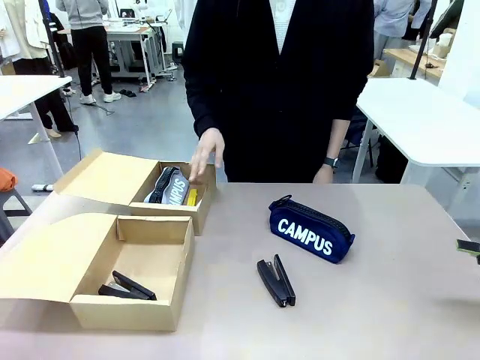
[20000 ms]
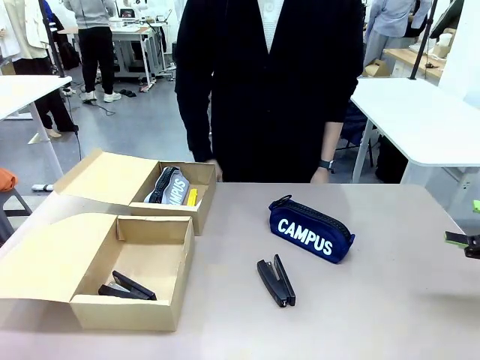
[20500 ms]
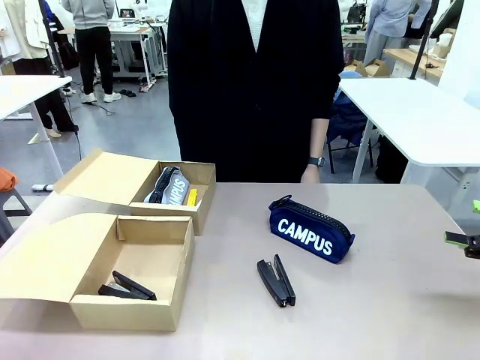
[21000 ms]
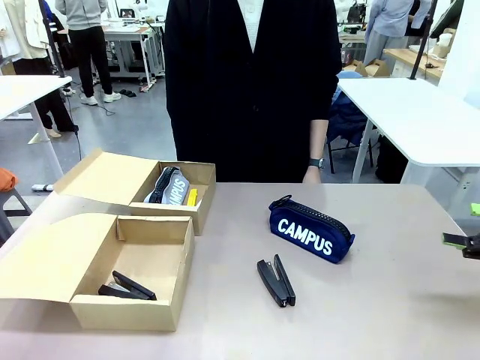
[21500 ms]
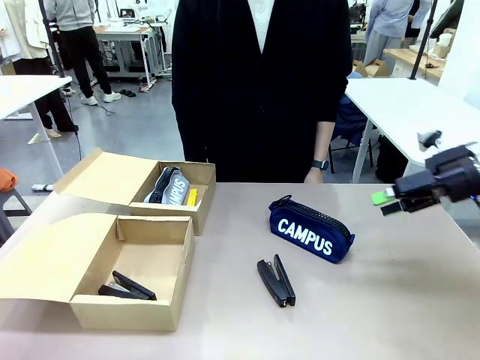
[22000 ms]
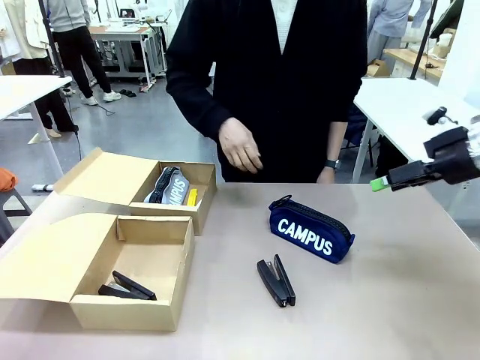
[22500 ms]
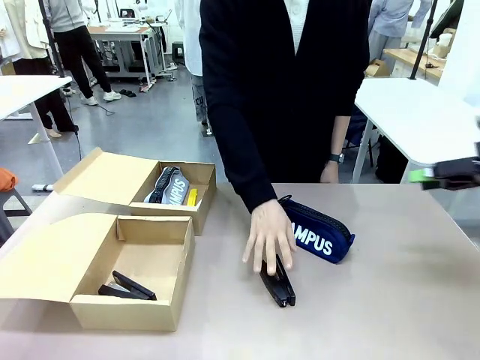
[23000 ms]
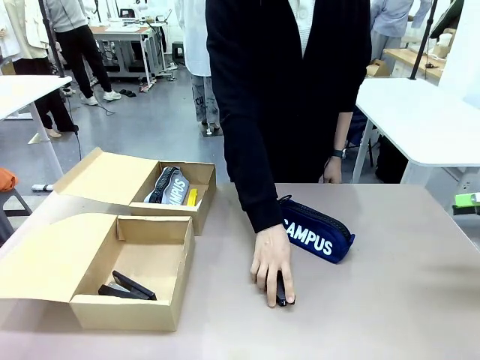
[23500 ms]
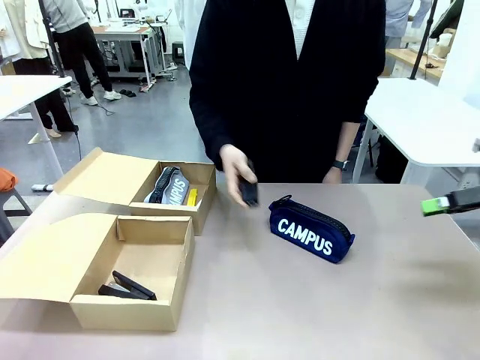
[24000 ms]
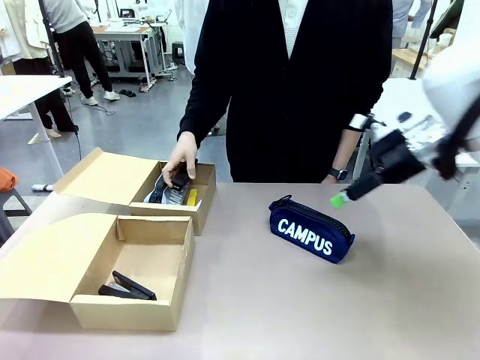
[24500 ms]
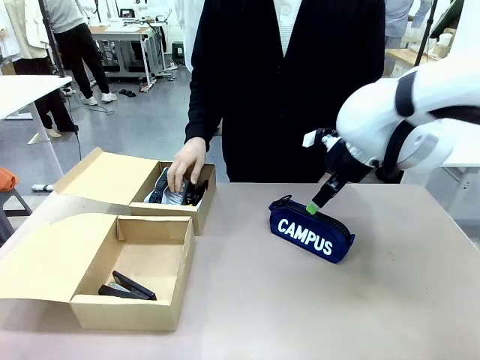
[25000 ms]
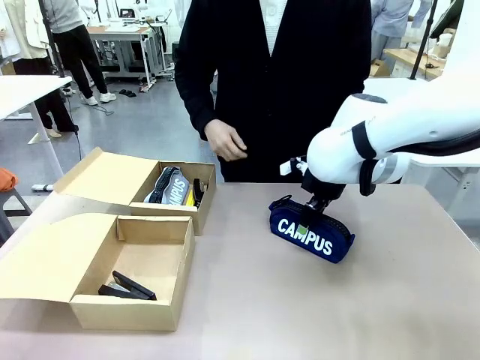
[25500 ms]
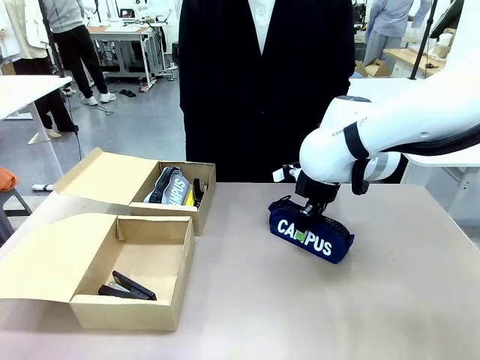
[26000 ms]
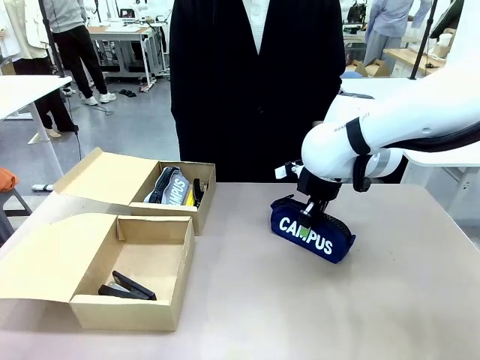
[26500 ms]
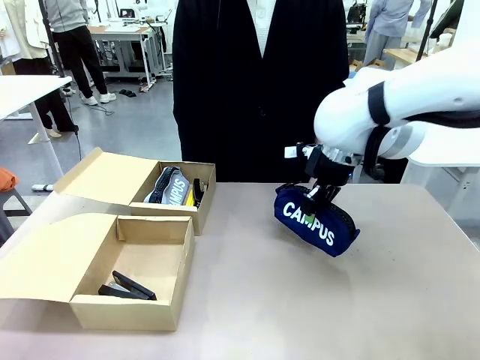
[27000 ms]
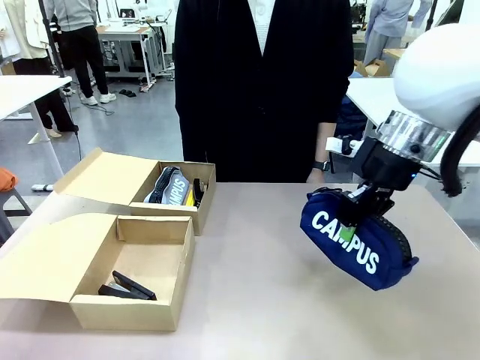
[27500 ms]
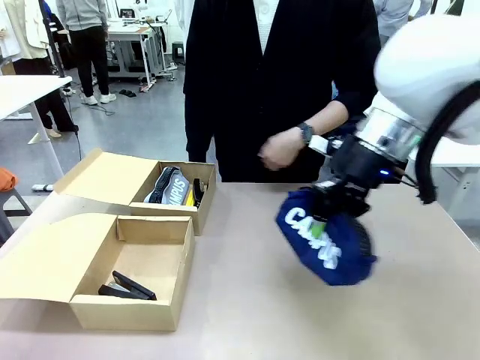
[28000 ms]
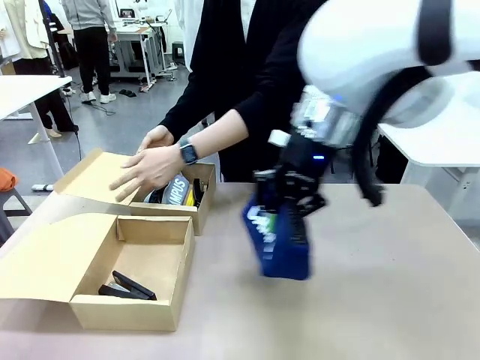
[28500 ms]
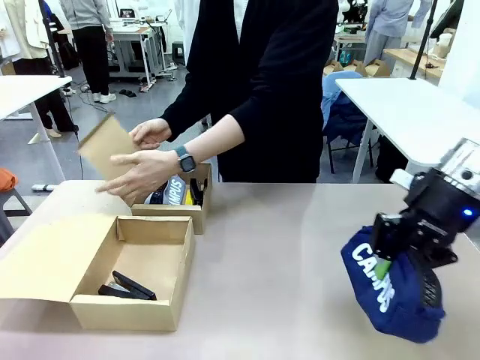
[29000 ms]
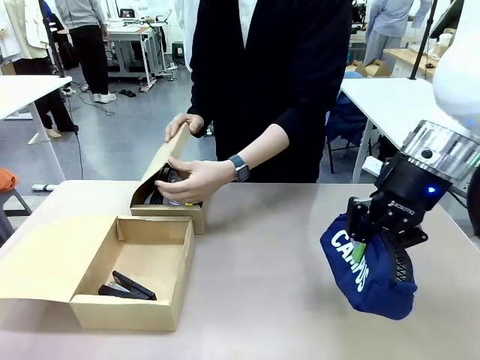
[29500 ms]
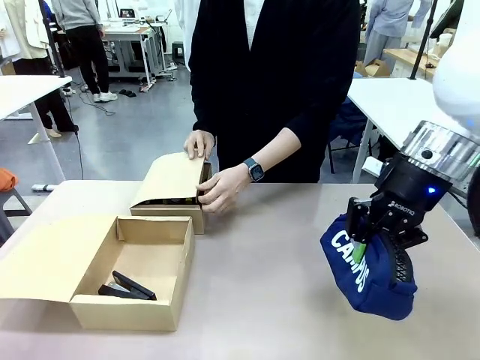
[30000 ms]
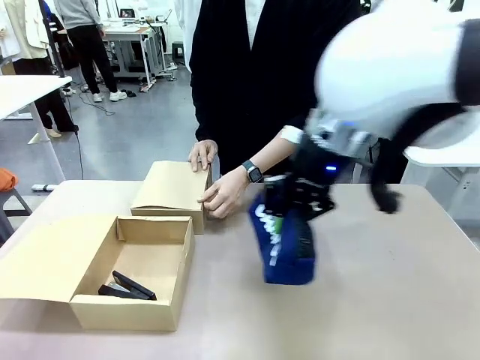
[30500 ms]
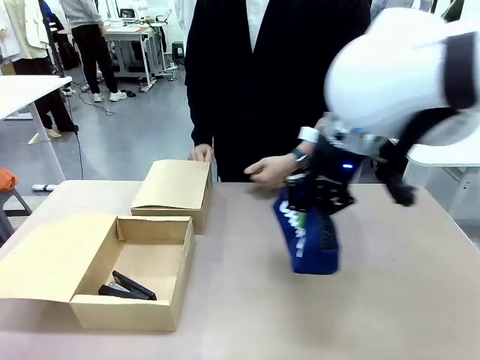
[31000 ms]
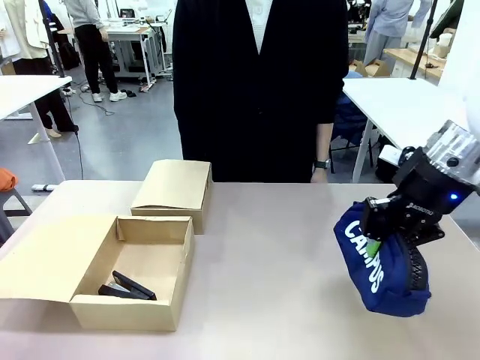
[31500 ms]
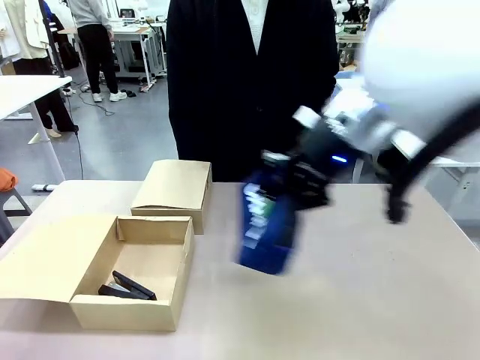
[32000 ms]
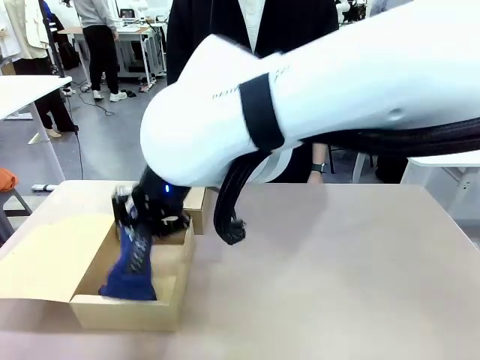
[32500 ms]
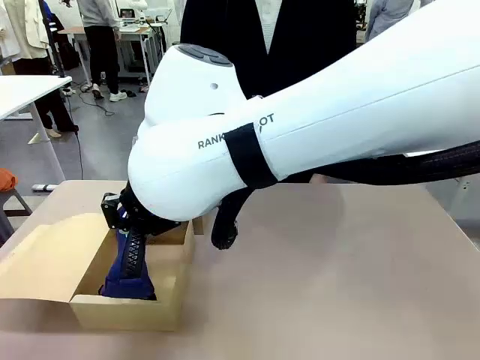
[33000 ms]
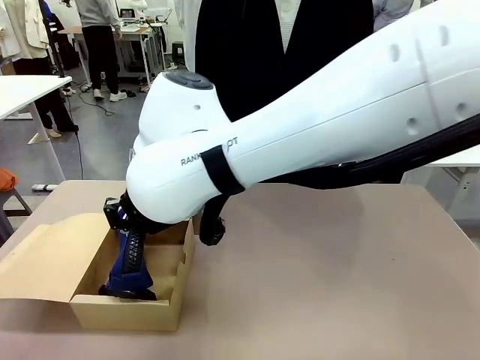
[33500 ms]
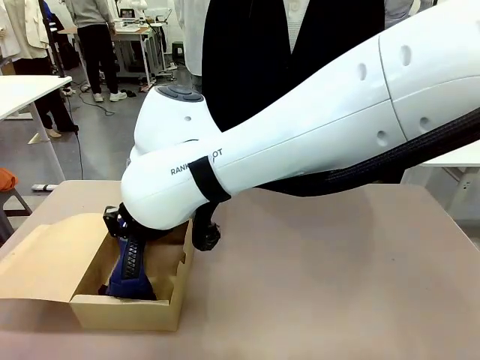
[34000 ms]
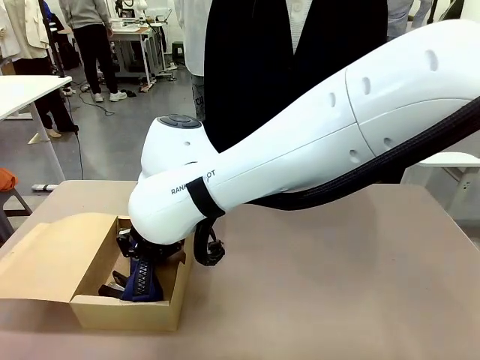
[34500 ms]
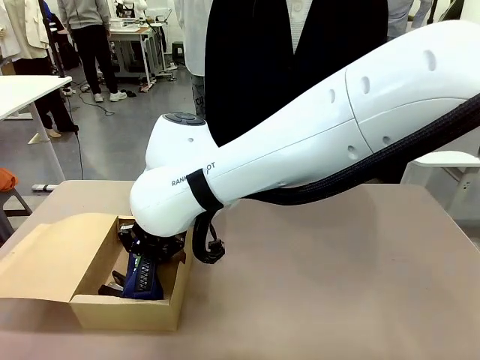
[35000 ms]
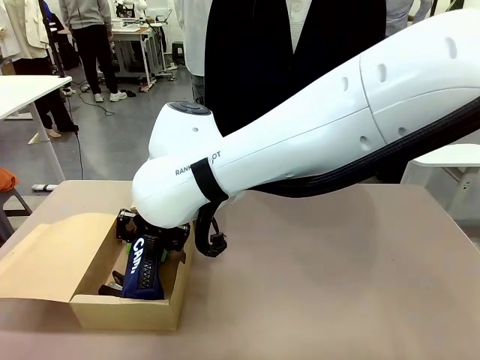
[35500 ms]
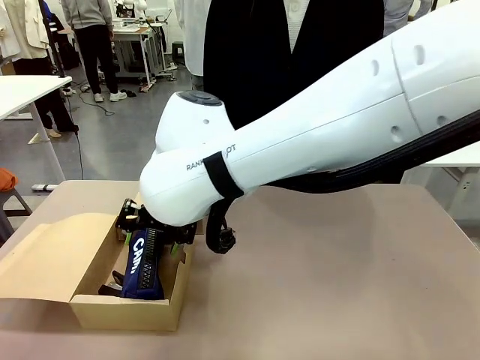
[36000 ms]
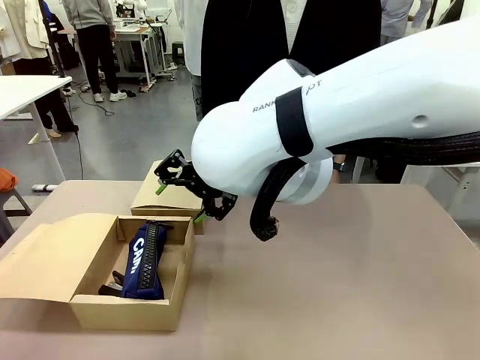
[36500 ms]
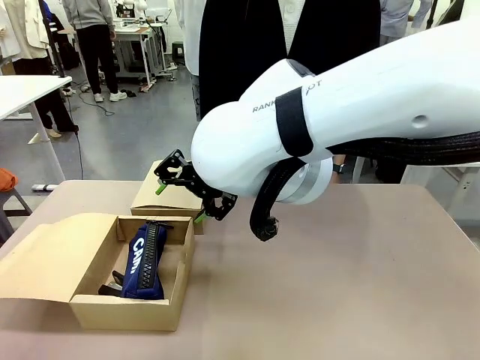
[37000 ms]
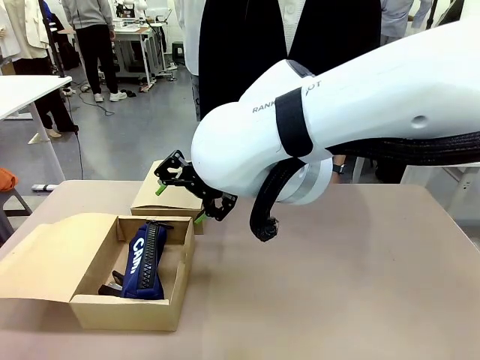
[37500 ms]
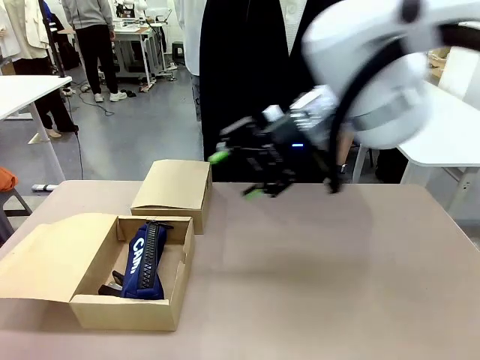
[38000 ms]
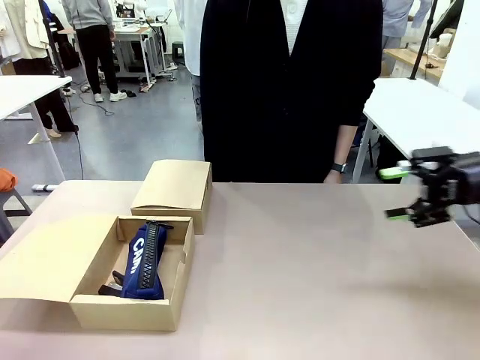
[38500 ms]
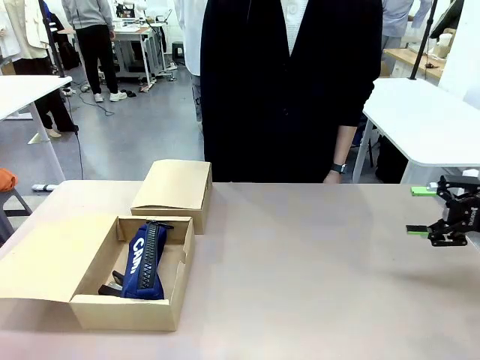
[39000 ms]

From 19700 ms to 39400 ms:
Task: Place items inside the box.
Robot: Pick up a Pencil pouch or Stapler and place it inside the Mailer Box closest to the robot.
Person: Close the lid of the box facing the person.

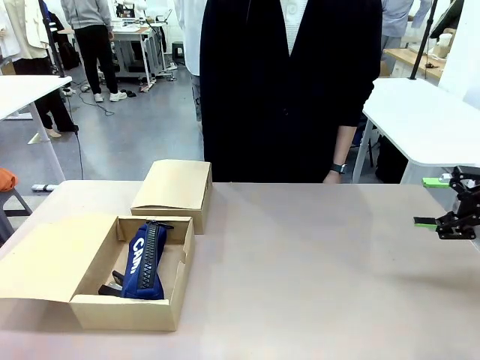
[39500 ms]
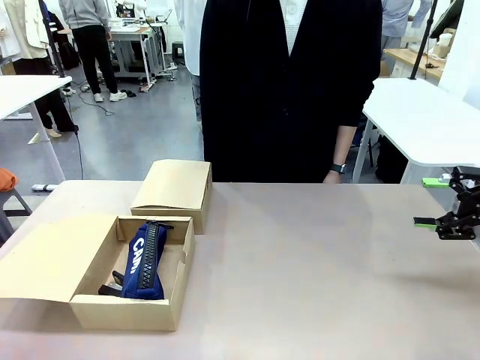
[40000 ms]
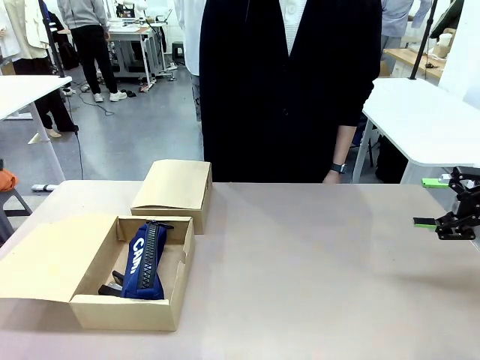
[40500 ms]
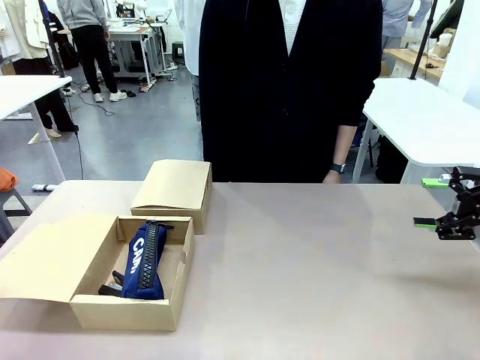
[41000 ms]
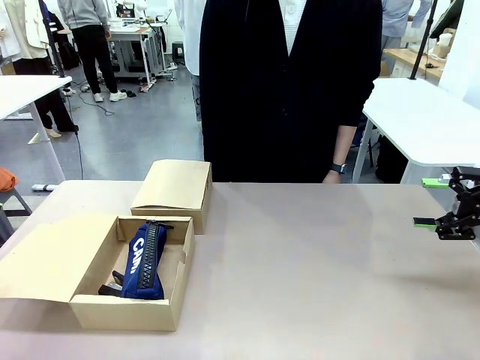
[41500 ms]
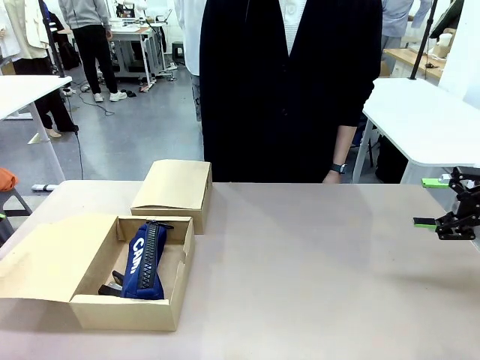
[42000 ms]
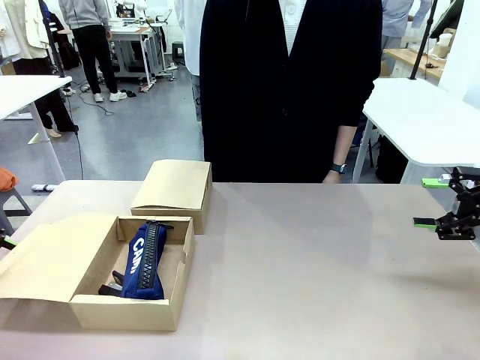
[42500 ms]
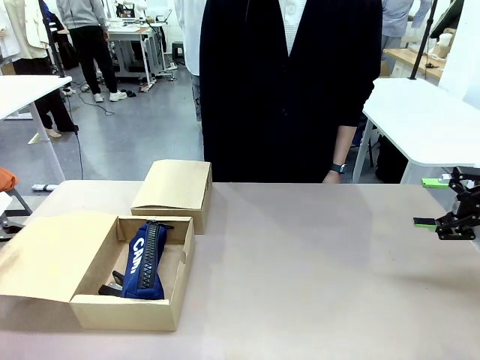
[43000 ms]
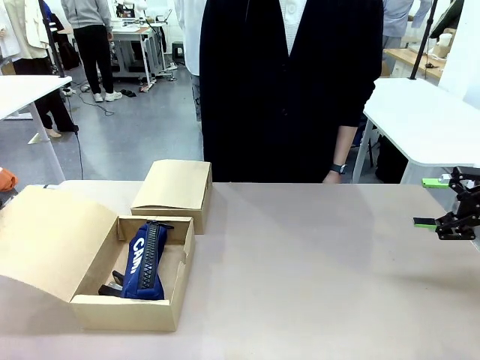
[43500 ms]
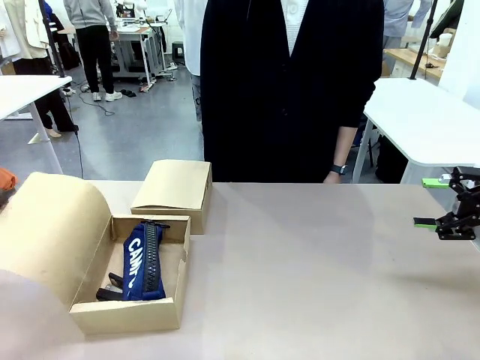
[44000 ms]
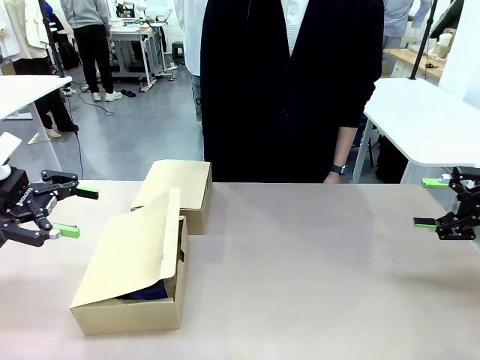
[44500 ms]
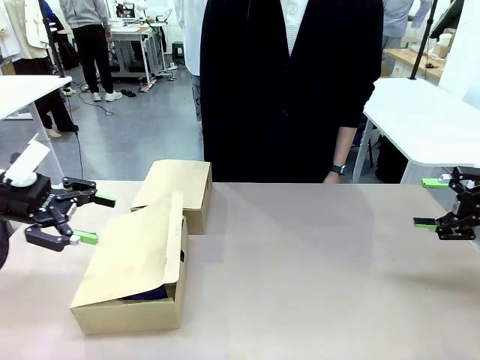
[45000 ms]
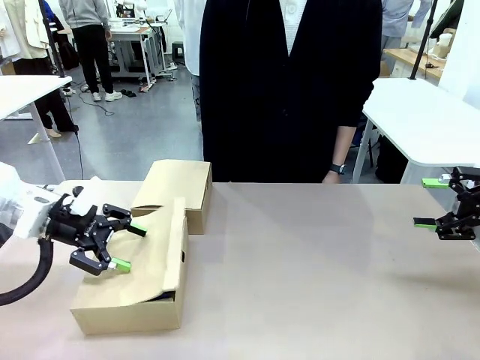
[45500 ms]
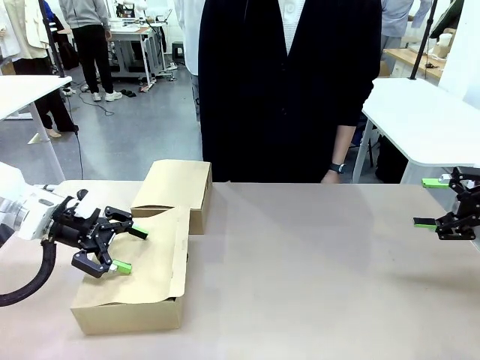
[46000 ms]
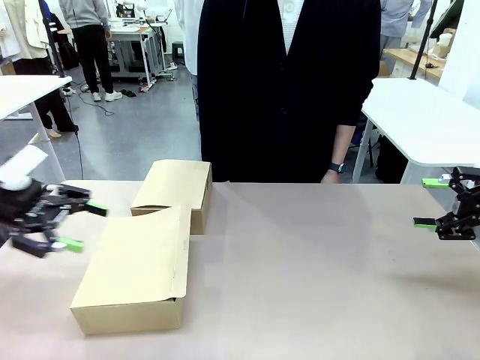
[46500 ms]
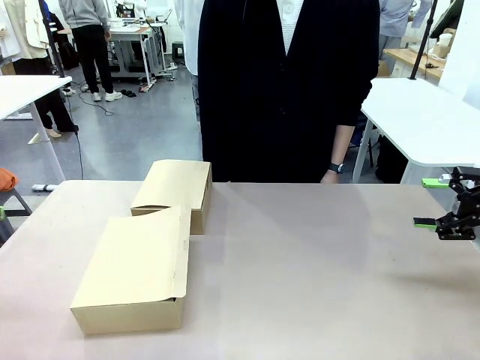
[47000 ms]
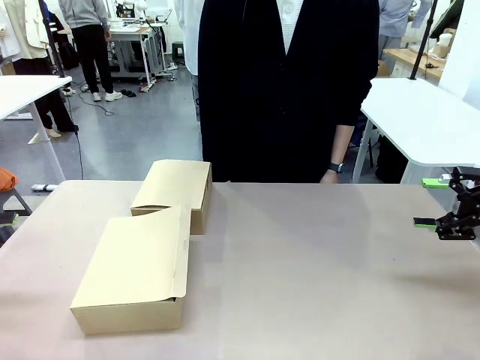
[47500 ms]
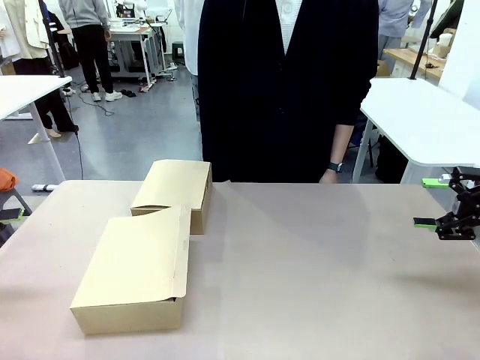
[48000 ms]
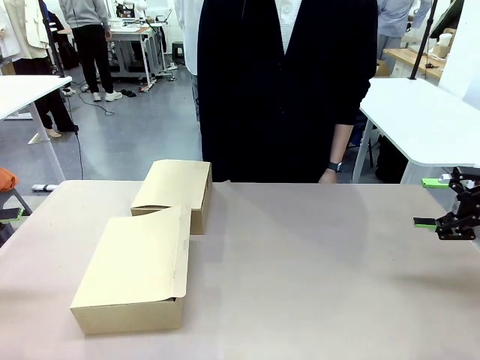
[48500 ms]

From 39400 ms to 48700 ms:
Robot: Close the lid of the Mailer Box closest to the robot.
